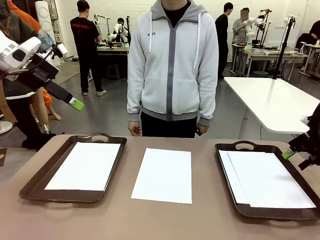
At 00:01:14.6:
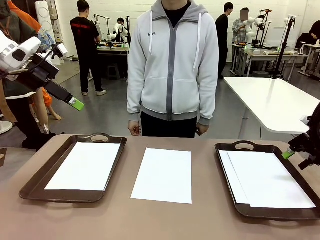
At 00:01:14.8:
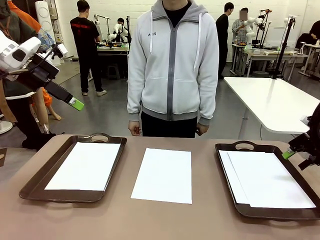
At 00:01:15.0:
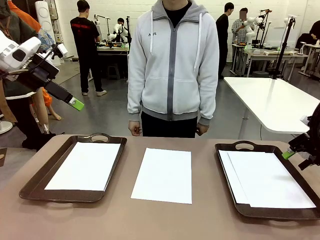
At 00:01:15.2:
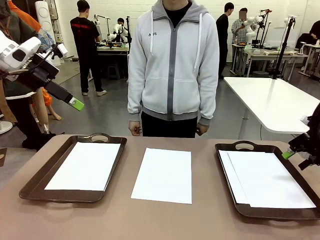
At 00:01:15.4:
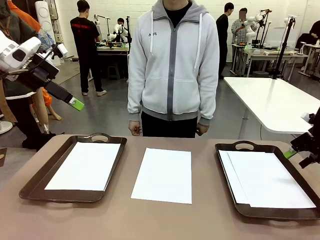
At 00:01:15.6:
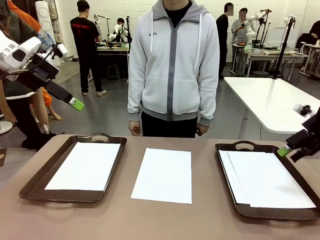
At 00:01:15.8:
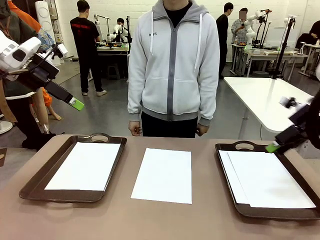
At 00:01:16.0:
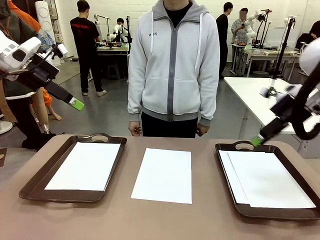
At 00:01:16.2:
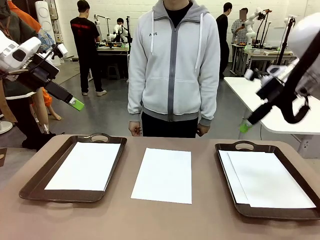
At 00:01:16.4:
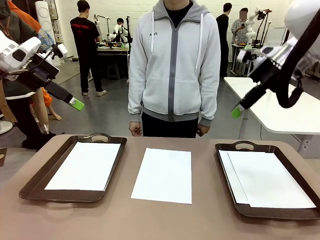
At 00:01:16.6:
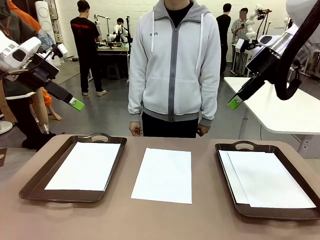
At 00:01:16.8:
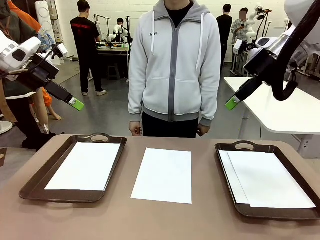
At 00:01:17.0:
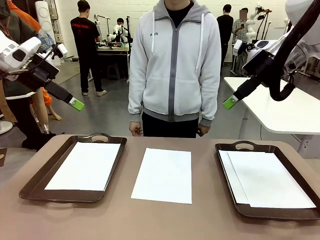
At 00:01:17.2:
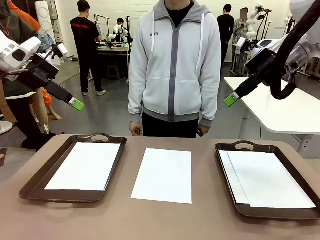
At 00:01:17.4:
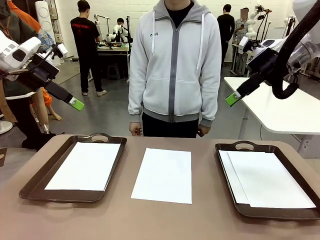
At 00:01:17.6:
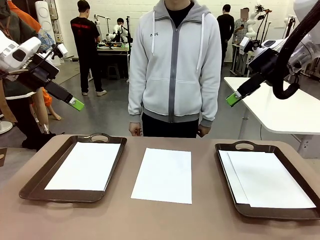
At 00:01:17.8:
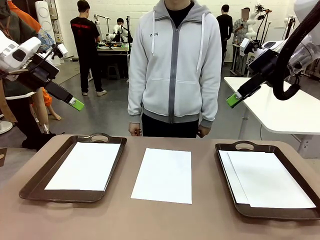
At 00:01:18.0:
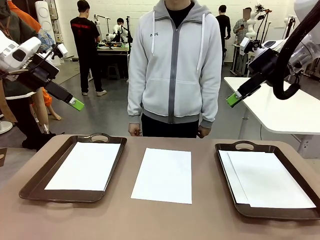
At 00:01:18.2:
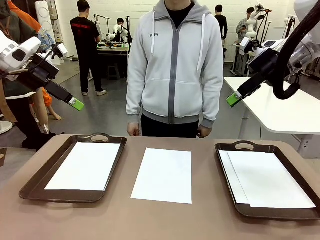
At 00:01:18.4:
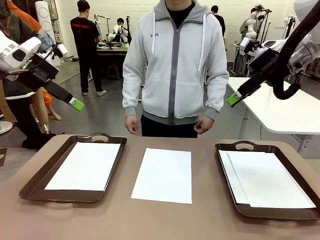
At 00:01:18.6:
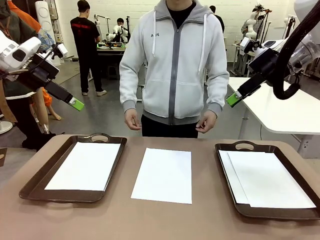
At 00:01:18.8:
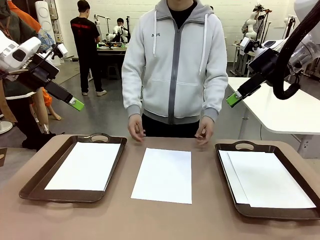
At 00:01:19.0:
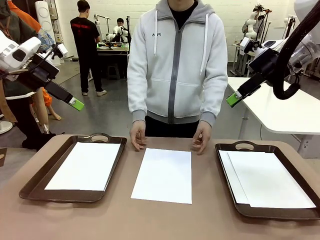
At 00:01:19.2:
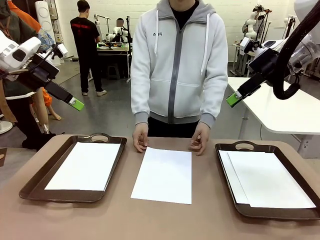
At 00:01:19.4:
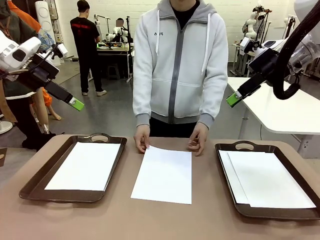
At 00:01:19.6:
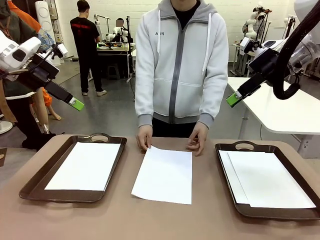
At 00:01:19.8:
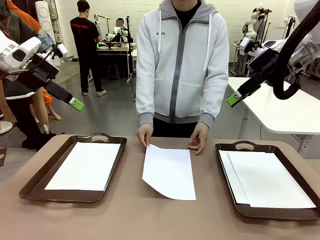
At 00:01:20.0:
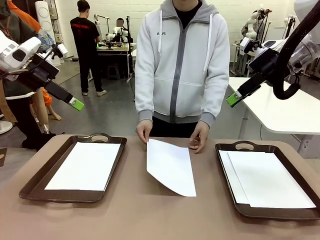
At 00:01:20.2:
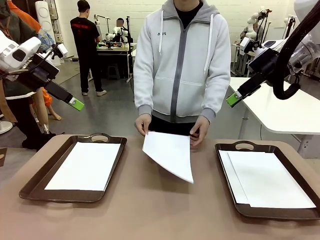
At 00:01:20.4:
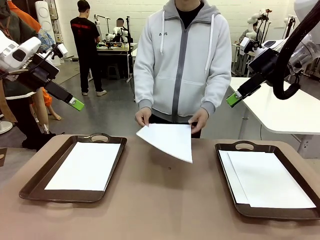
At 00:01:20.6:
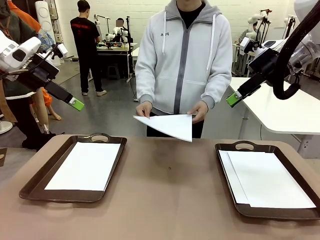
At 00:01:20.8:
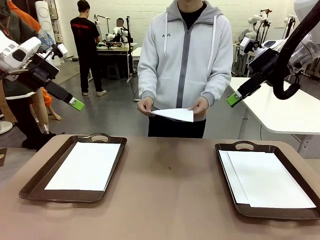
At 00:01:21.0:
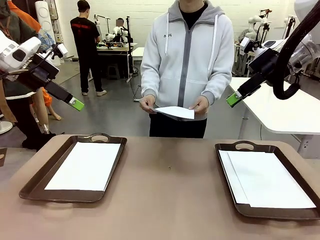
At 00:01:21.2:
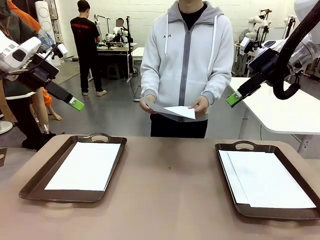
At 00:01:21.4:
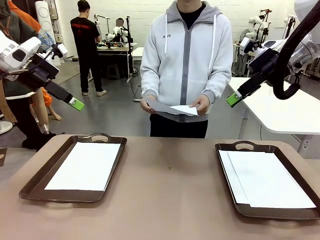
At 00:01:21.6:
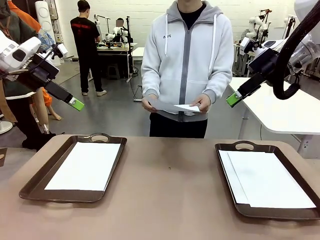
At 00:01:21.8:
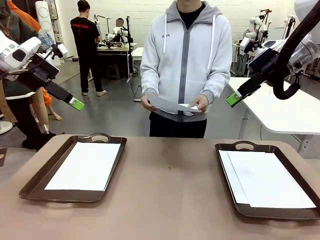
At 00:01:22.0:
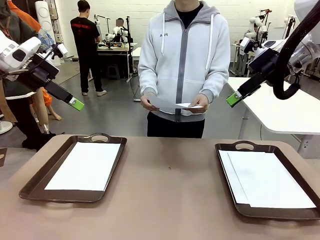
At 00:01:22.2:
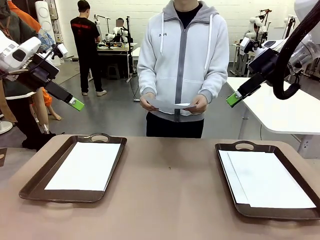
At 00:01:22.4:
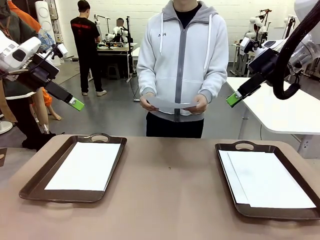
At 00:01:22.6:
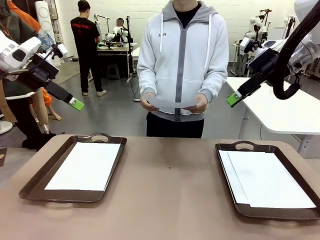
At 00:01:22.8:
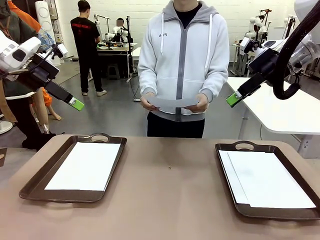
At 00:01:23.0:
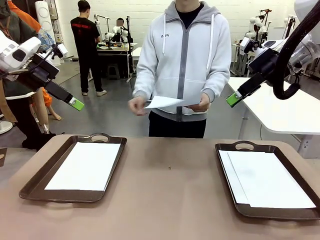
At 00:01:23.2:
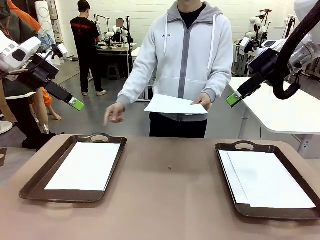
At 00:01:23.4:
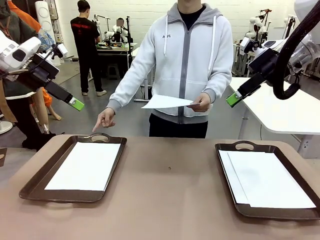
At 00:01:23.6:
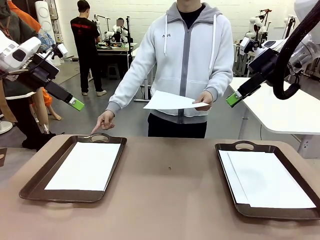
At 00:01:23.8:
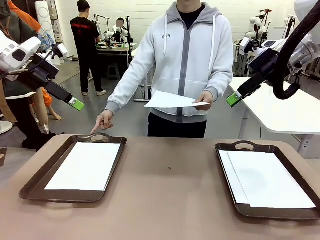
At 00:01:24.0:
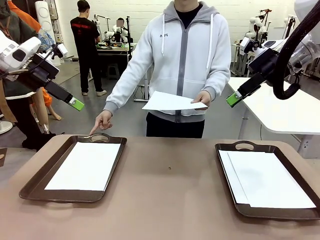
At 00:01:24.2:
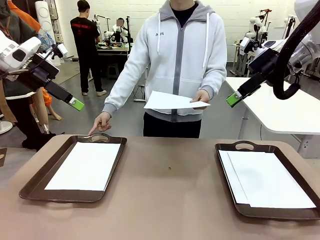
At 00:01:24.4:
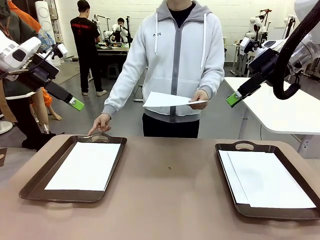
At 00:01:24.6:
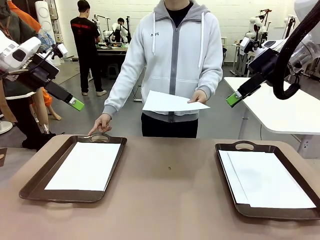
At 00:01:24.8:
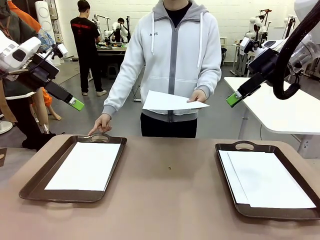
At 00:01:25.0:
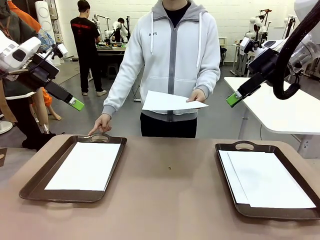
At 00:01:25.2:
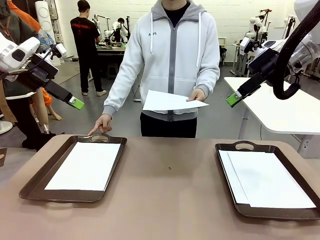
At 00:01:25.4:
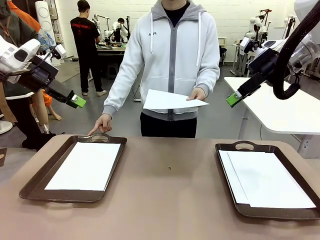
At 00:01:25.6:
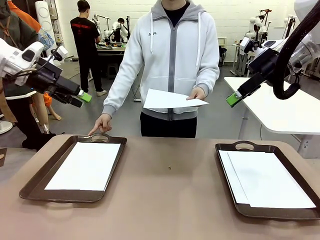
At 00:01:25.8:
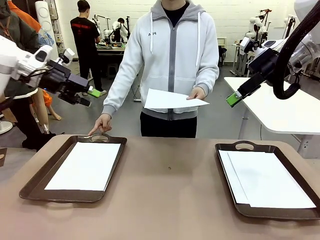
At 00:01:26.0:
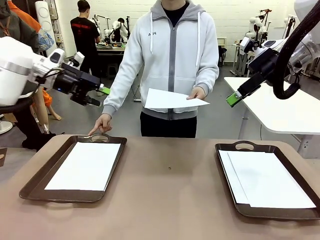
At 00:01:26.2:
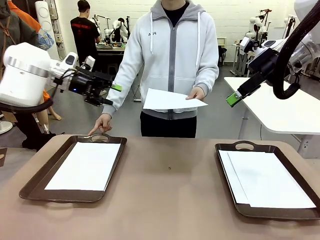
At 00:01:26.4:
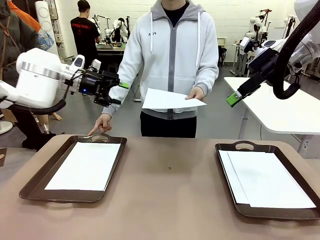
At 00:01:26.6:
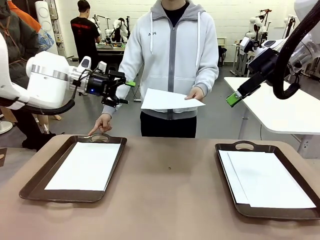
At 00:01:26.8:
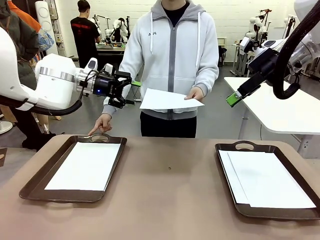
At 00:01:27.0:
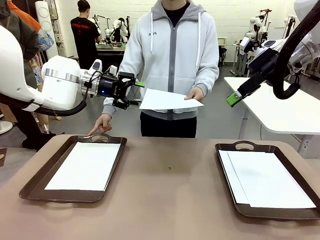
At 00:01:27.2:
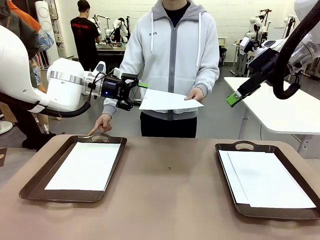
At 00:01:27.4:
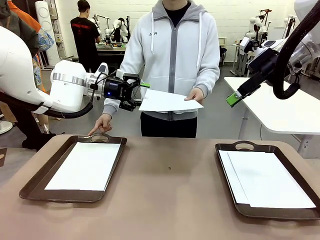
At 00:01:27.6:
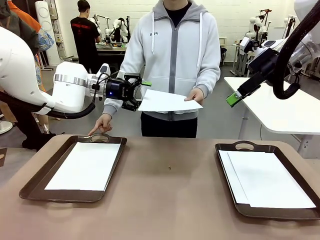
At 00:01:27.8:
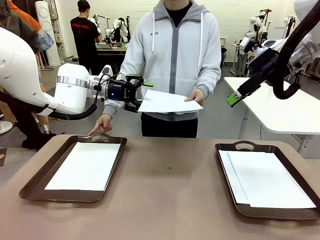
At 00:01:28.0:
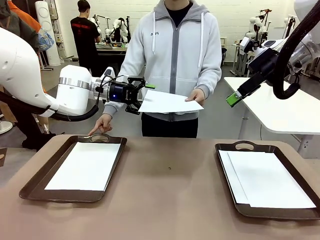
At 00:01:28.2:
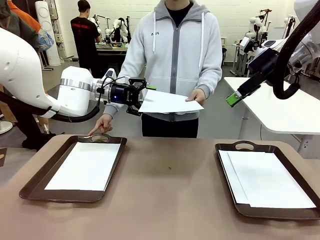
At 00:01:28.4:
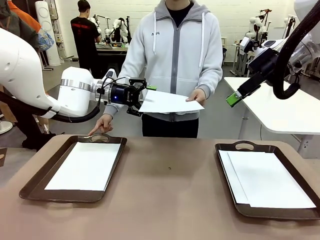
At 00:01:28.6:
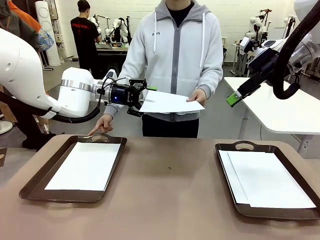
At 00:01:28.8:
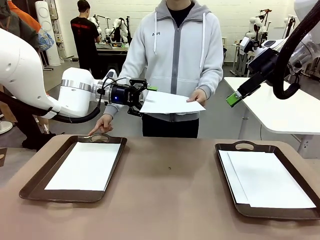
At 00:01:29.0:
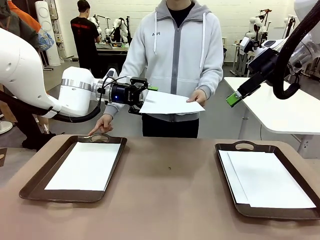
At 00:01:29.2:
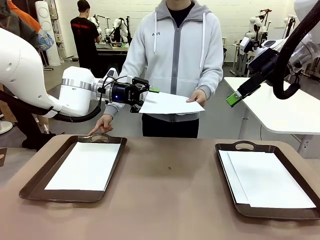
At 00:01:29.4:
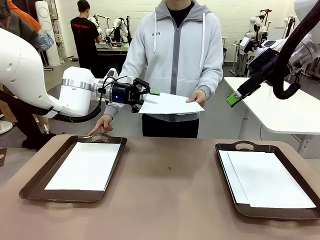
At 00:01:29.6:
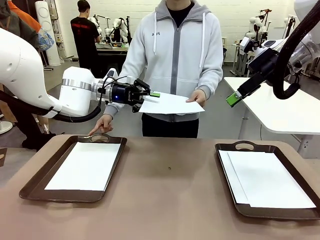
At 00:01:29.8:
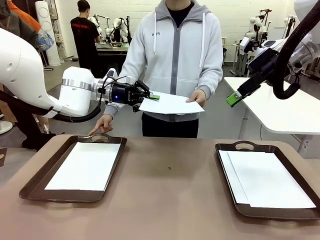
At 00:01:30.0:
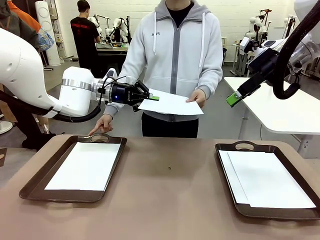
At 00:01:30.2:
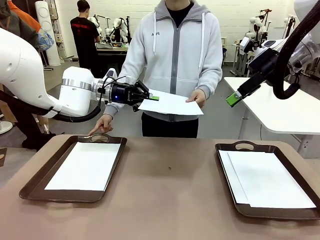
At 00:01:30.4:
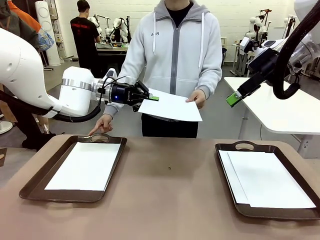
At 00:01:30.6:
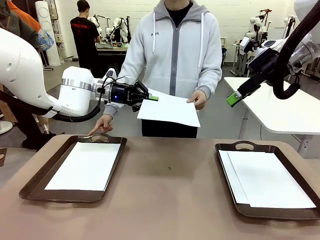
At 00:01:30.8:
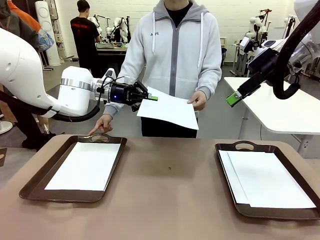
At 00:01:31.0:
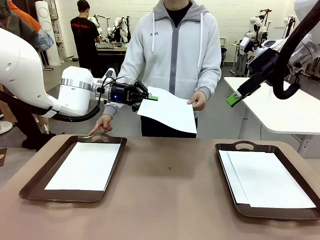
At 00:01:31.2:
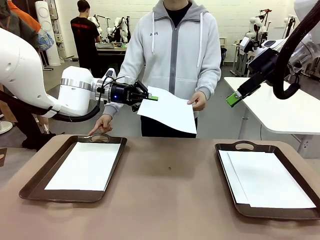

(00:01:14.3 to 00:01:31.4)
Task: Sort the A4 documents.
Robot: Receive the A4 Paper.
Person: Point the randomly selected tray with the other hand.

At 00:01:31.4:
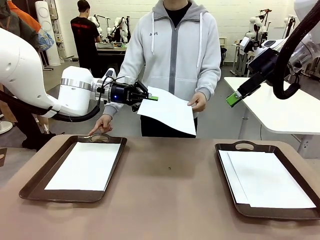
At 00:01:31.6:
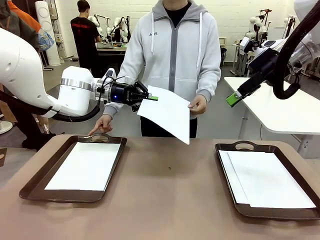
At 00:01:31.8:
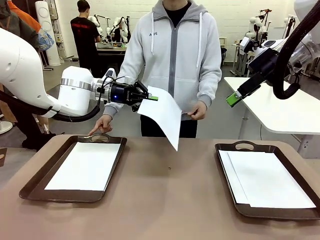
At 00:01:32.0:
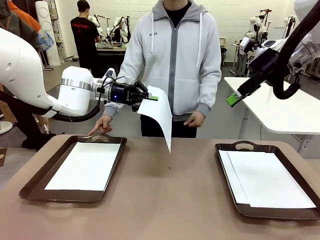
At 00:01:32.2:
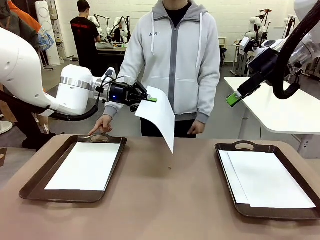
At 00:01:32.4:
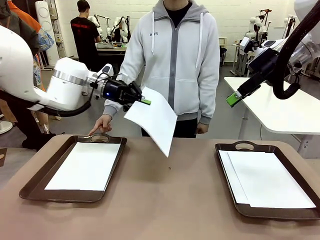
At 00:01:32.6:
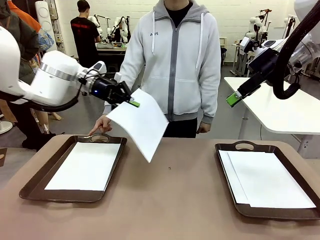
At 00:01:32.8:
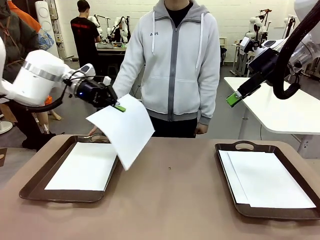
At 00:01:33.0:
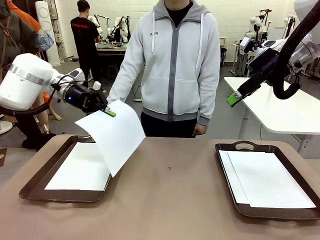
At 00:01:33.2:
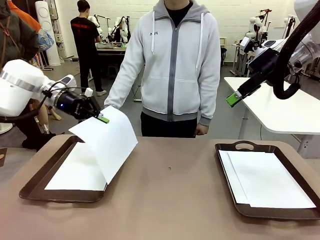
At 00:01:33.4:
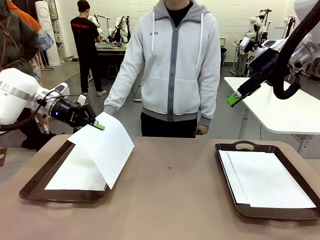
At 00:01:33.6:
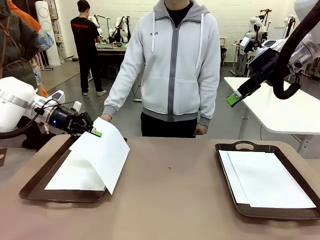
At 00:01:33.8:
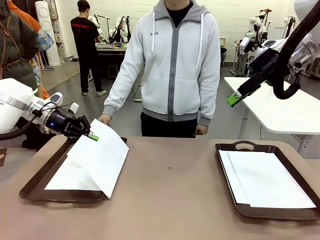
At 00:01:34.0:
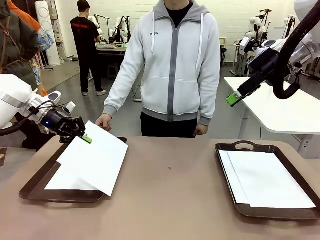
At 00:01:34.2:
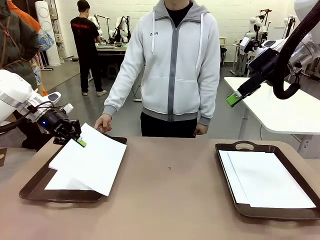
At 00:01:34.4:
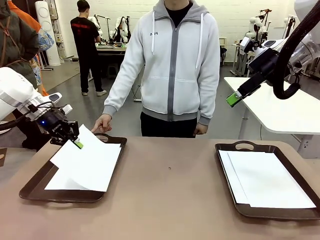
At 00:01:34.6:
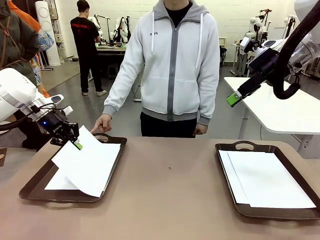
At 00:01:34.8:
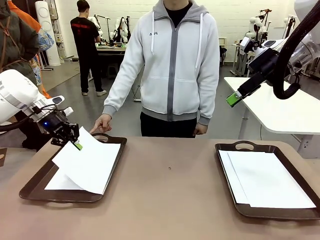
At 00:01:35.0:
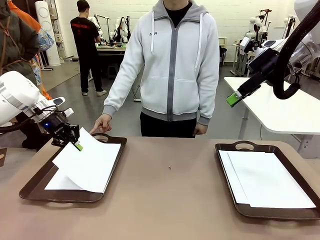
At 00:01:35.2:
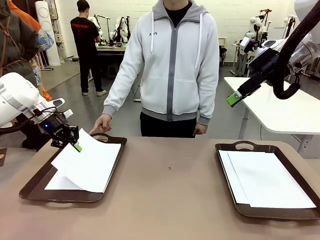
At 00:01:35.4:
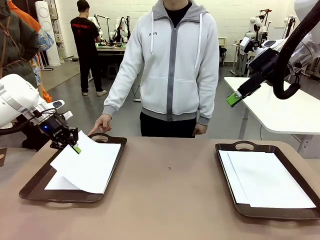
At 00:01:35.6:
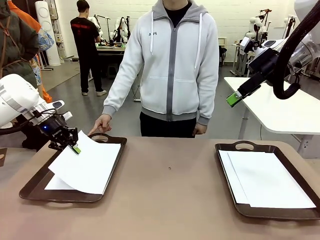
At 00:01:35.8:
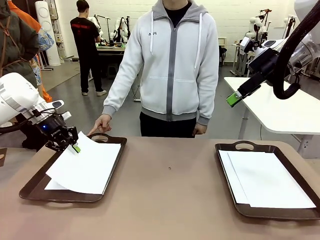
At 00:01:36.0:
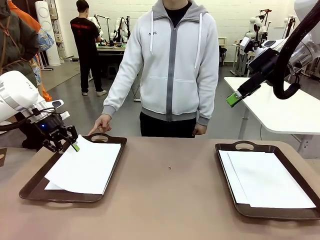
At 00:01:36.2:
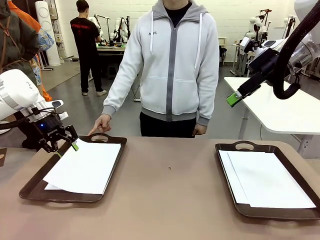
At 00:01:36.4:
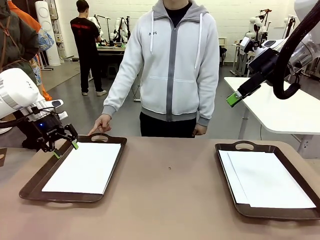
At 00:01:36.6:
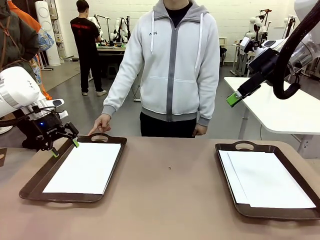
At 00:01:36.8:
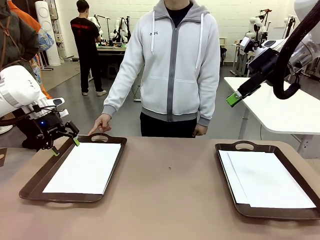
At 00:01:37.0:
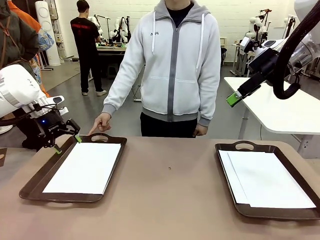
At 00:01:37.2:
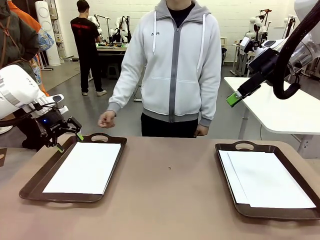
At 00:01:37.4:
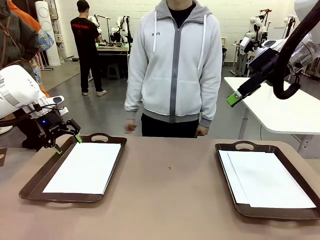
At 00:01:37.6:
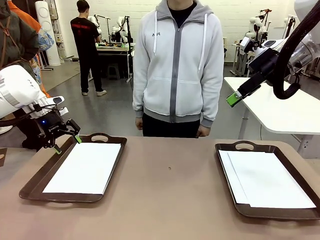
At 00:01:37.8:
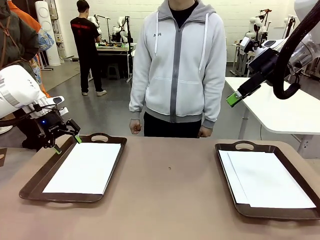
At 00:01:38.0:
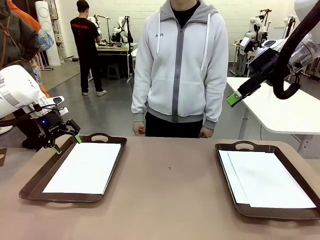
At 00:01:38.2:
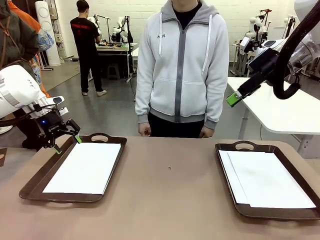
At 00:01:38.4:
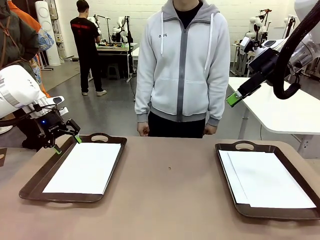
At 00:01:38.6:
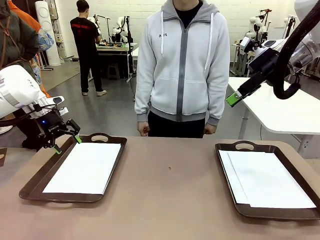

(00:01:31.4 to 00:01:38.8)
Robot: Place the A4 Paper in the designated Handle tray.
